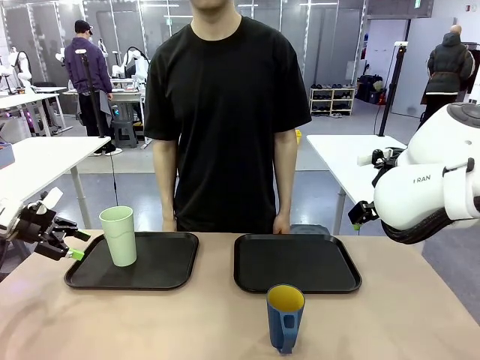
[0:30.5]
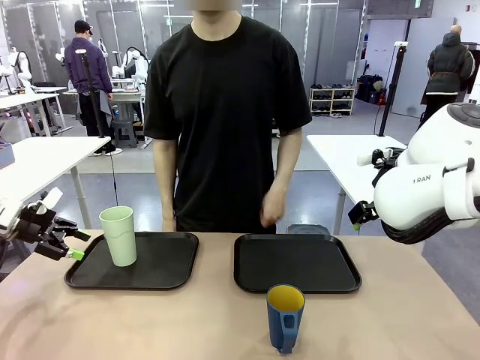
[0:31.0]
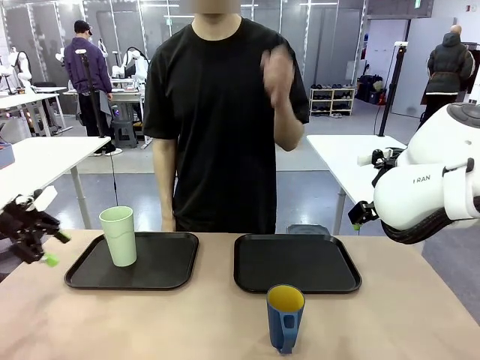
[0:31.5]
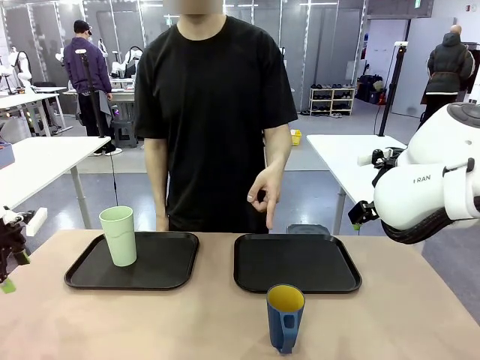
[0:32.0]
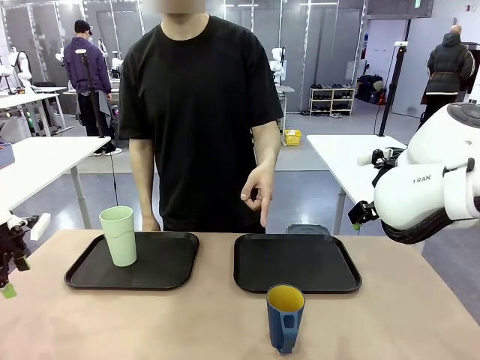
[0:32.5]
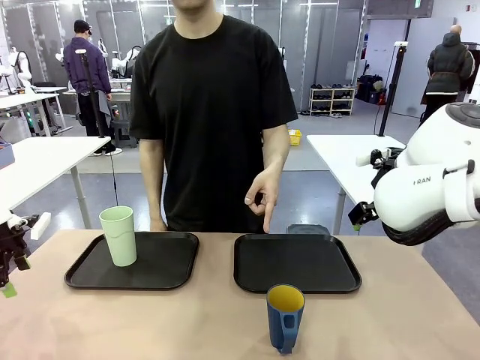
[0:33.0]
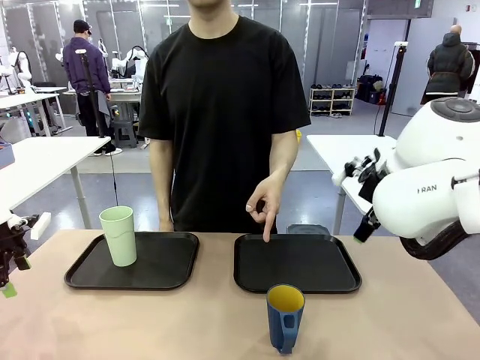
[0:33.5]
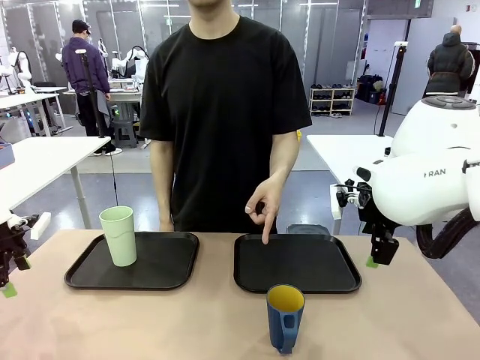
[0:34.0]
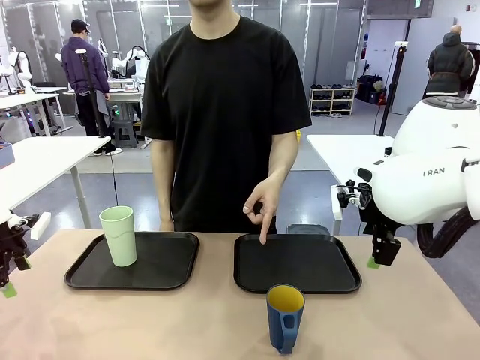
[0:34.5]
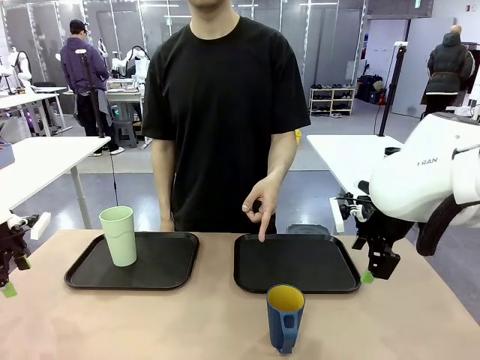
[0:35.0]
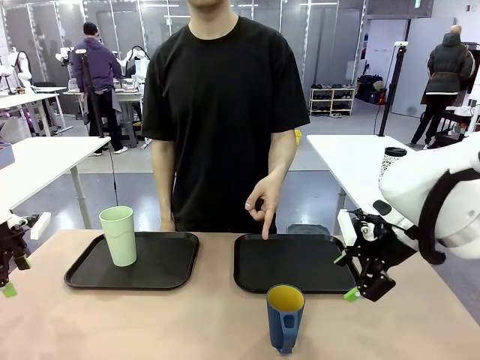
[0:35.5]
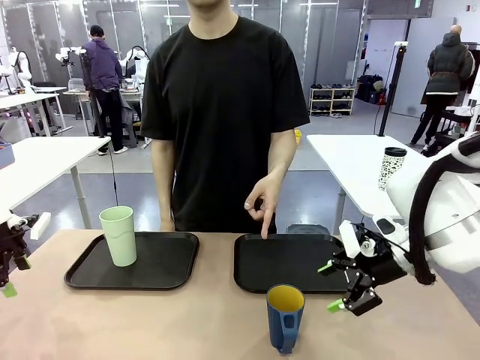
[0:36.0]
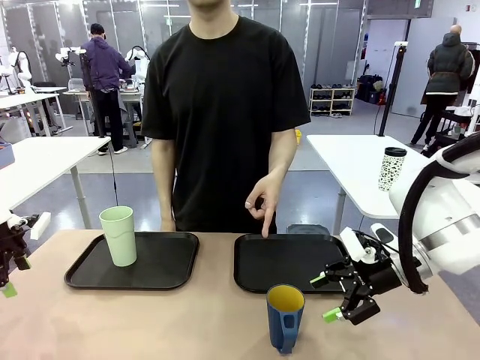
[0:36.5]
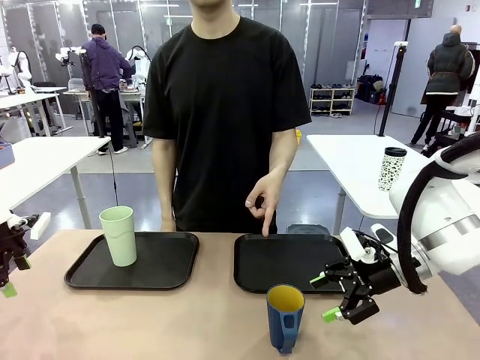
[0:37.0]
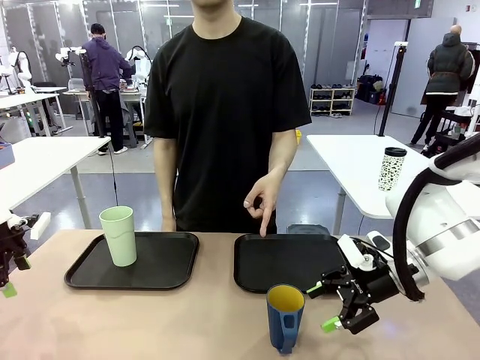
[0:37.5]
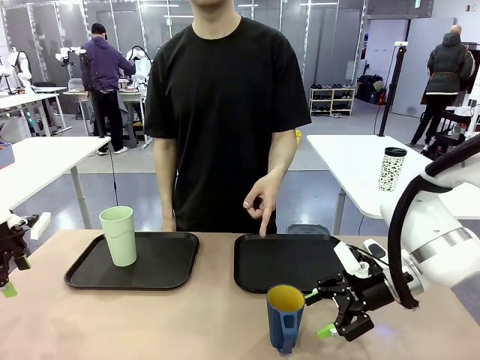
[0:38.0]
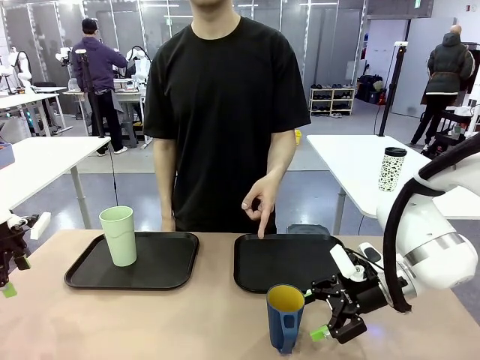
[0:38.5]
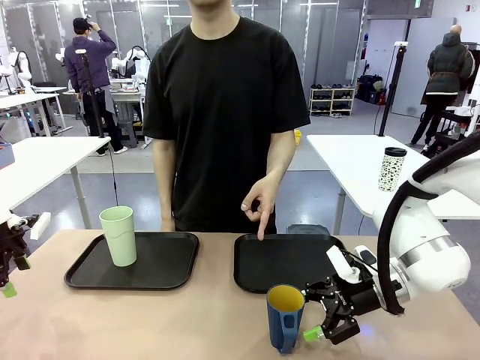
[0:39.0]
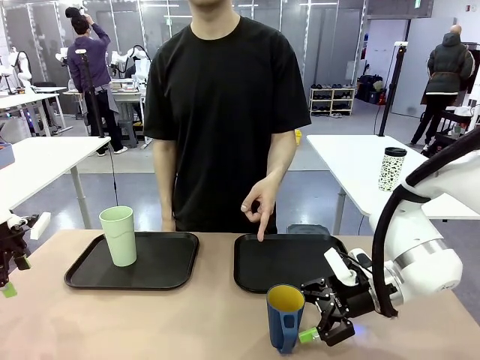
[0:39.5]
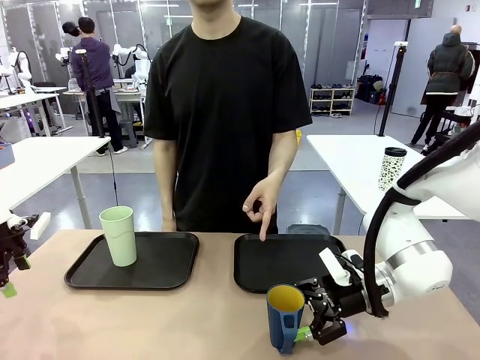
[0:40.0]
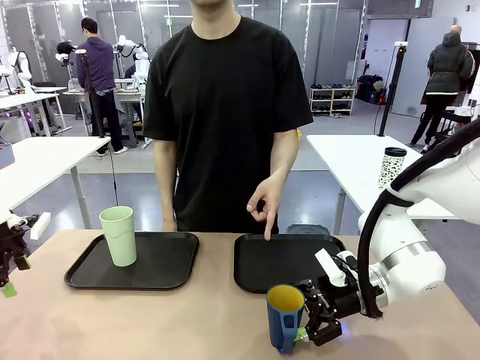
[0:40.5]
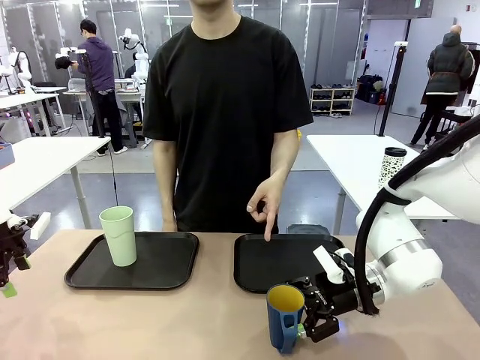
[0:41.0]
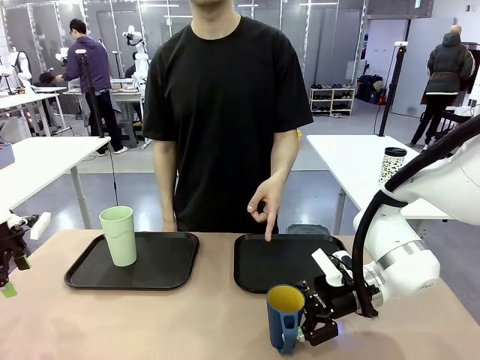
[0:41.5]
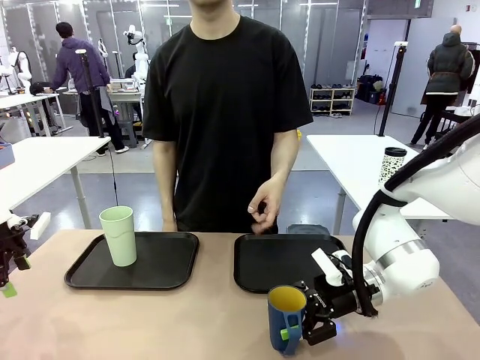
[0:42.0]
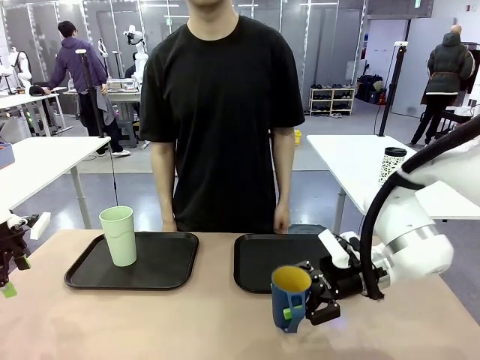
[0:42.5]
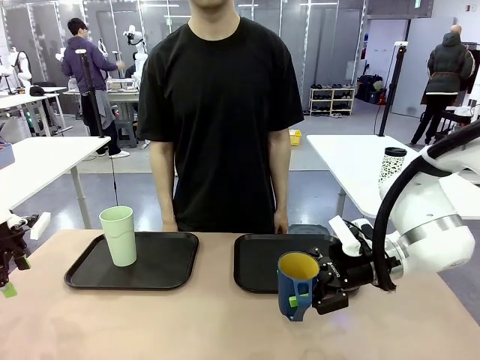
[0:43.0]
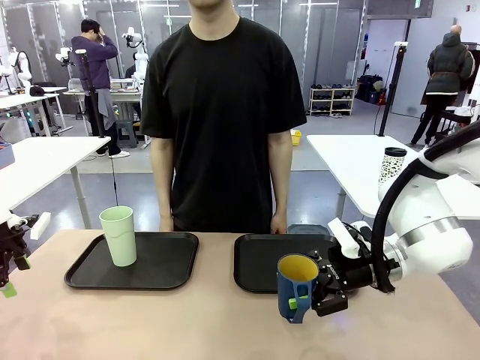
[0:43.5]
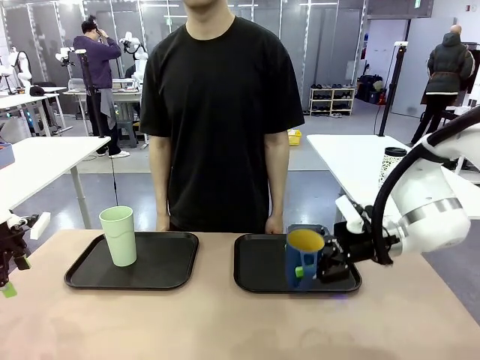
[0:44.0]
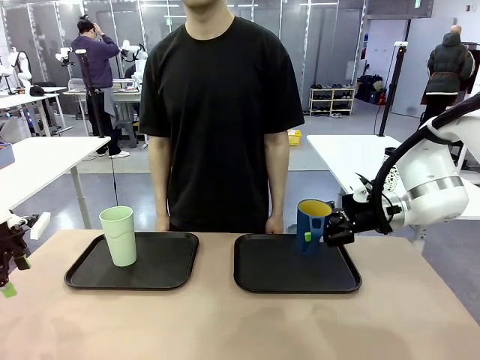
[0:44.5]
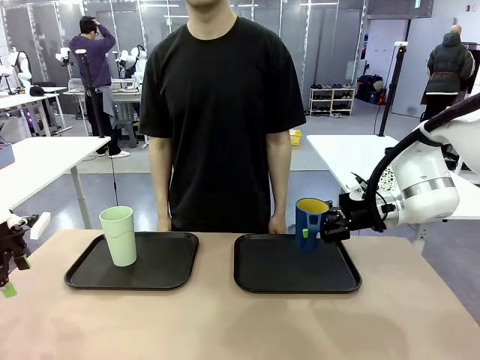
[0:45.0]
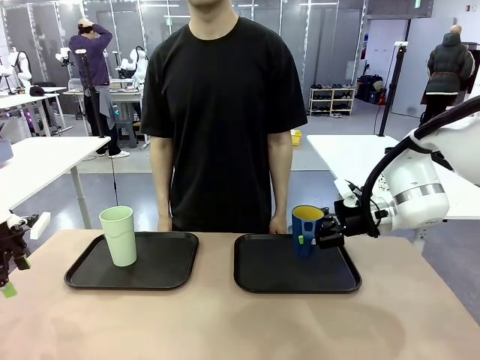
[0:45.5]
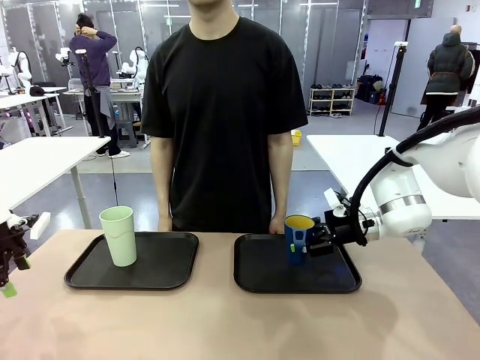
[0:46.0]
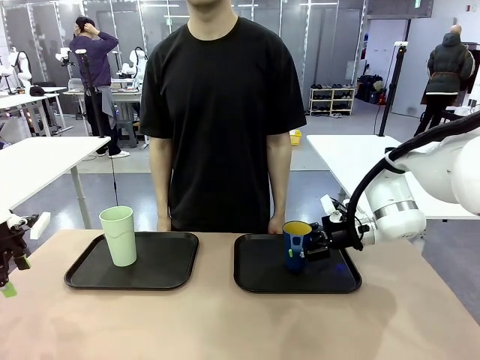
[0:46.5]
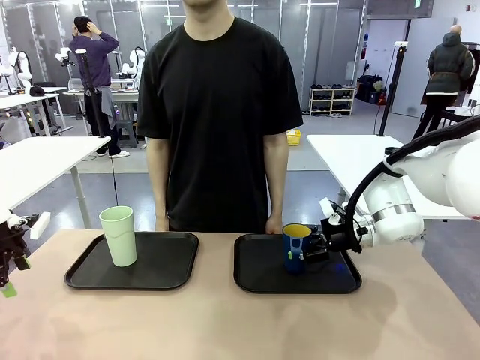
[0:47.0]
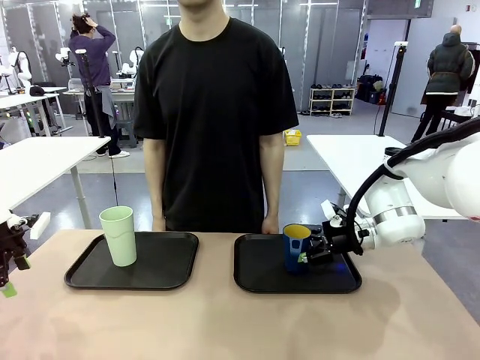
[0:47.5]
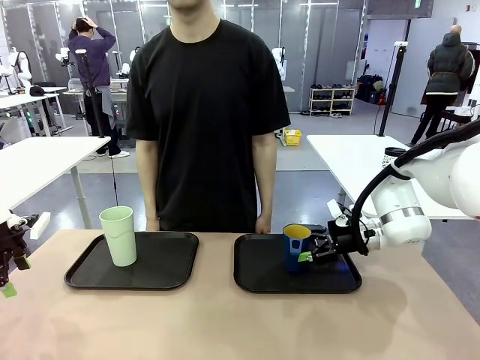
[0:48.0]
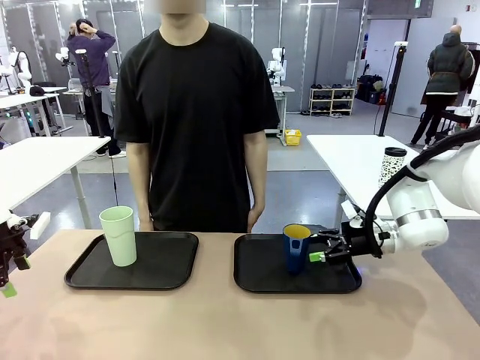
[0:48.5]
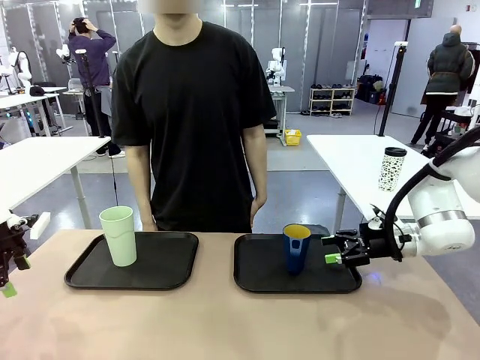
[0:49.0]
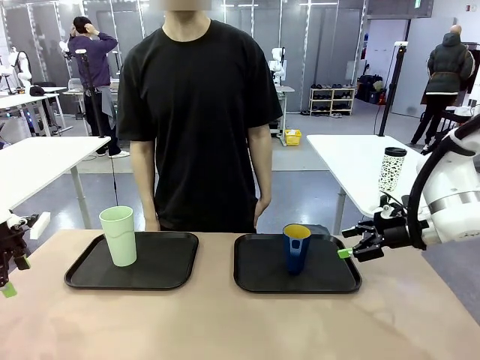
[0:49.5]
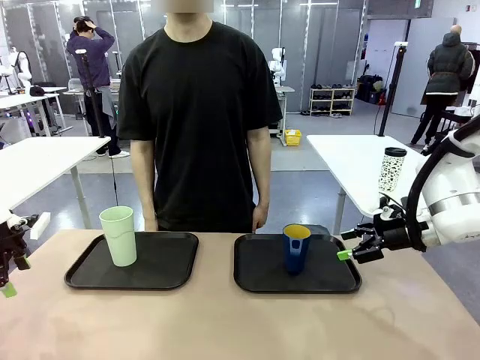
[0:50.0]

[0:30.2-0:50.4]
Task: Sort and store the cups by type.
Robot: Pick up the Handle plastic cup and place it into the empty Flat Tray.
Person: Points to the cup with a handle.
